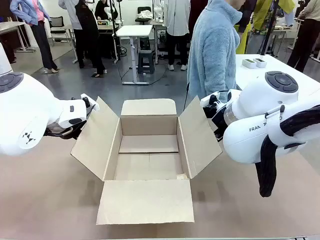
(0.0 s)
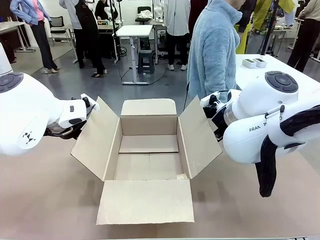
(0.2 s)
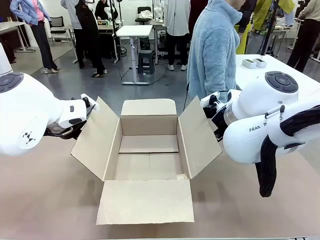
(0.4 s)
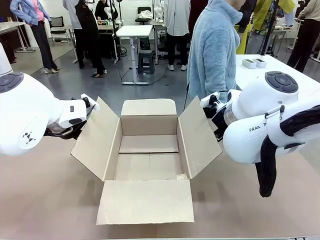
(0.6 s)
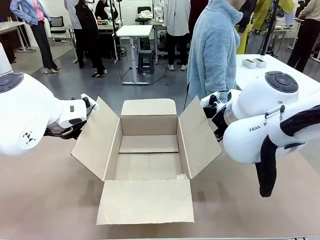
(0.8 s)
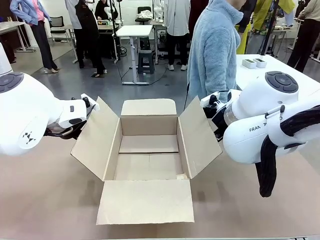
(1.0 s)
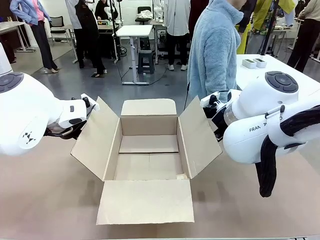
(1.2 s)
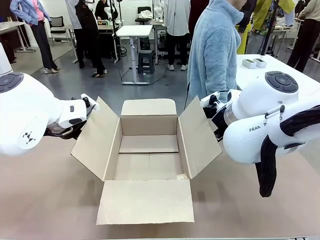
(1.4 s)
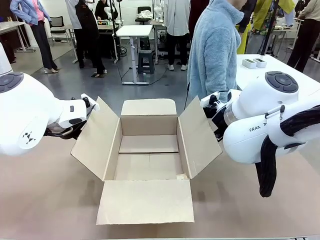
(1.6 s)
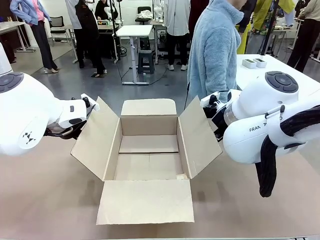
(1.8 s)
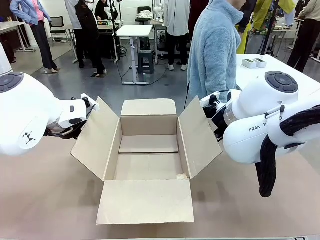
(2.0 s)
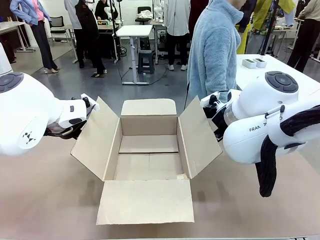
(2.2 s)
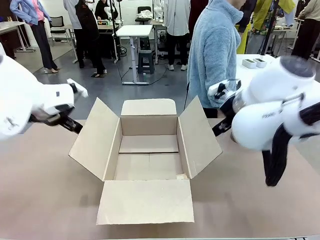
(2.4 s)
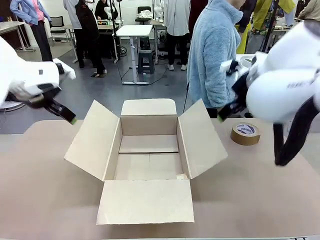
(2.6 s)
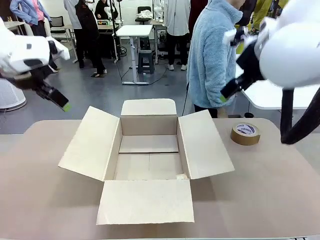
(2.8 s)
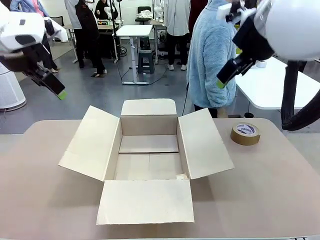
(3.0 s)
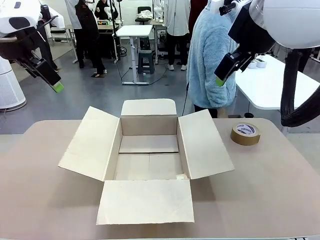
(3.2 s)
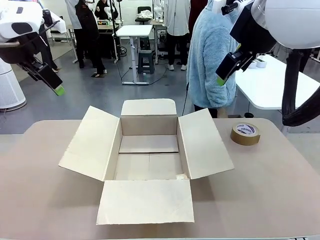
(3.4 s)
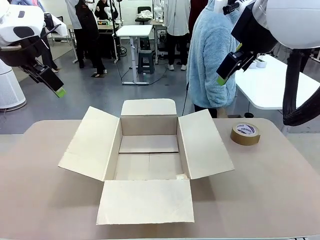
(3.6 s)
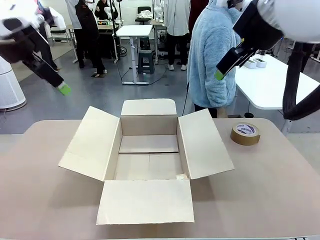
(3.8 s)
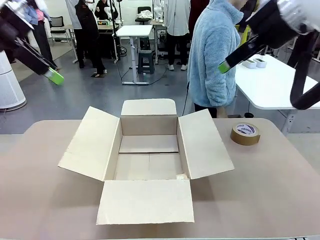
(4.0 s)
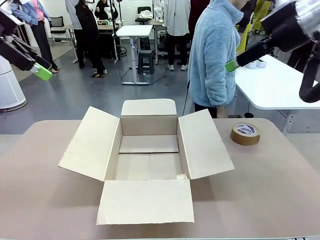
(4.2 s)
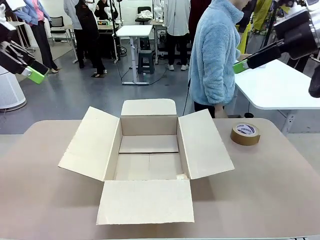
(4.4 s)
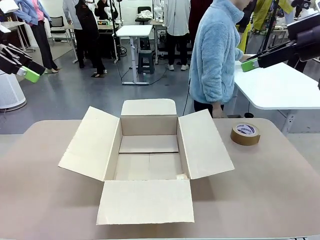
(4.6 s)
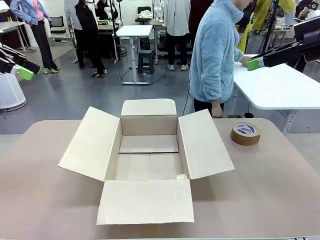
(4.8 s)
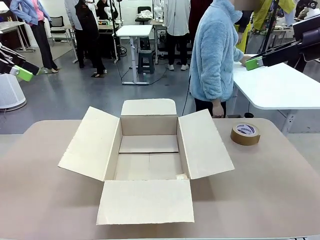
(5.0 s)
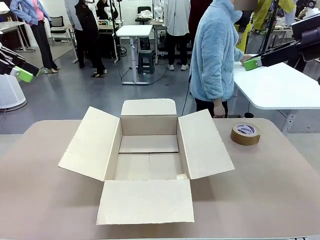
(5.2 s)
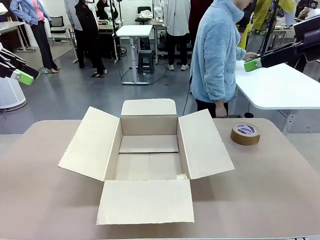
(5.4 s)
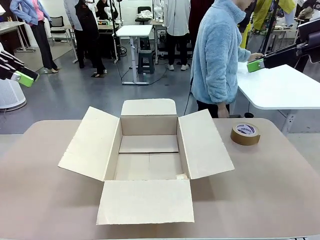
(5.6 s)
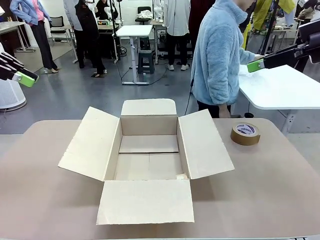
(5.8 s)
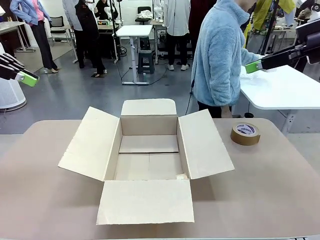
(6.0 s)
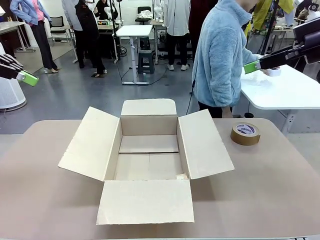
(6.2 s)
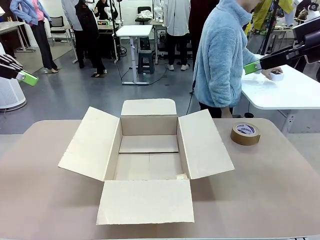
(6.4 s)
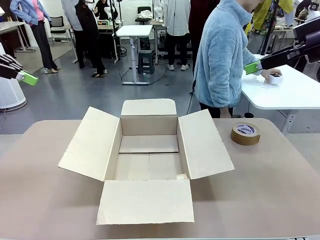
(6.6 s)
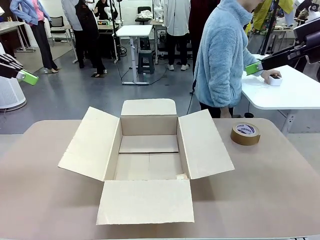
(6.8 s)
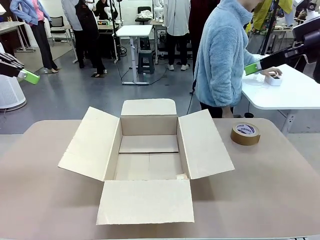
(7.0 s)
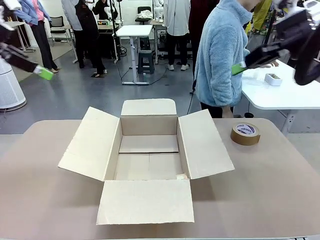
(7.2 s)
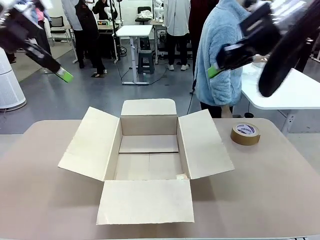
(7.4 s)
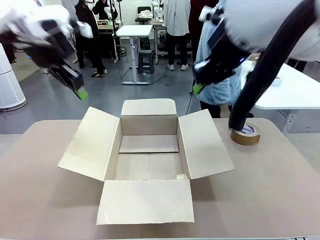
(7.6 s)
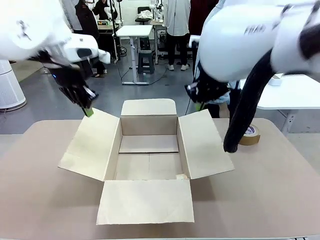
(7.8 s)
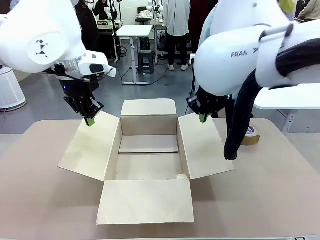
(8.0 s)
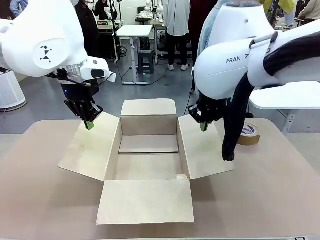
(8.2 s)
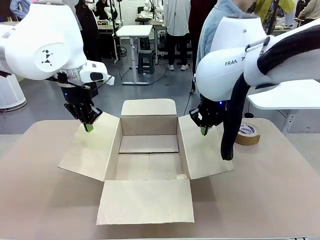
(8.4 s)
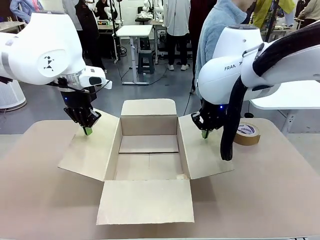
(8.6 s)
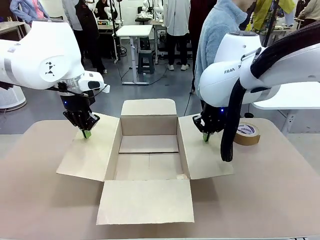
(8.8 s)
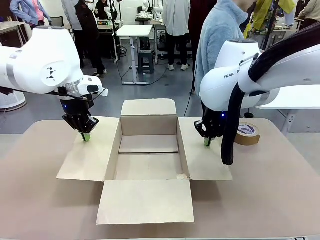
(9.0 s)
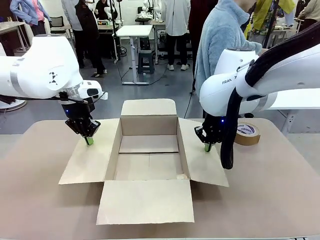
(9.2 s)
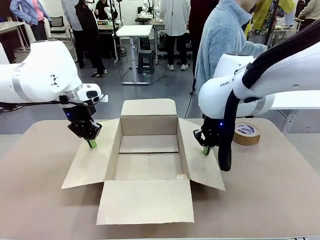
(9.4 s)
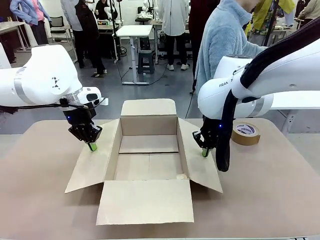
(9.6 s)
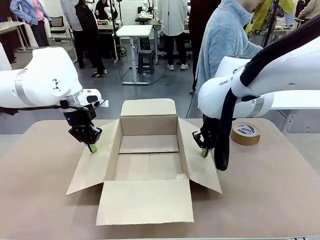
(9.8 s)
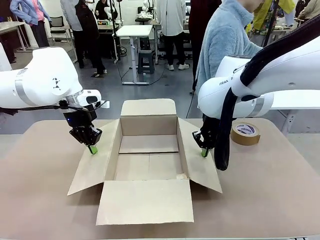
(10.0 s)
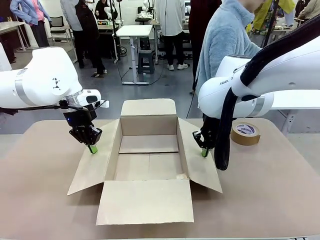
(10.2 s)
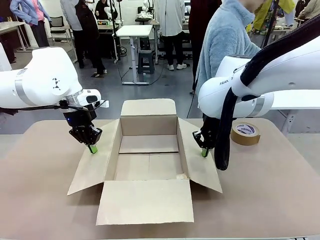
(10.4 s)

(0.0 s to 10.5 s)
Task: Wrap the clocks to prevent damage.
Robot: Open the side flaps of the Package Box.

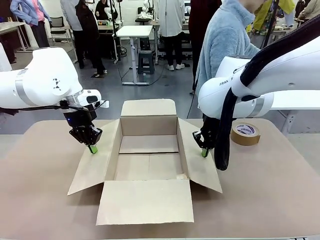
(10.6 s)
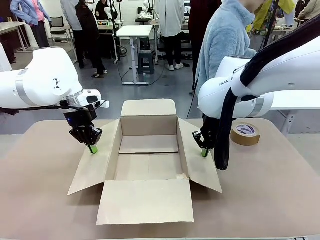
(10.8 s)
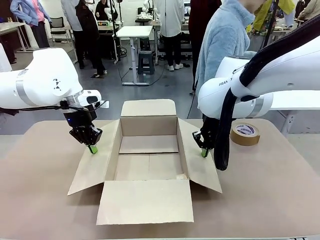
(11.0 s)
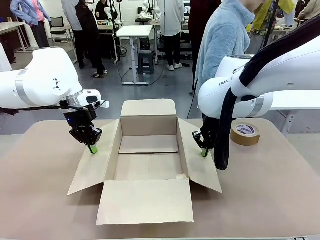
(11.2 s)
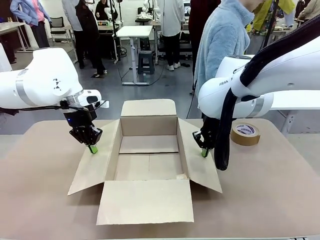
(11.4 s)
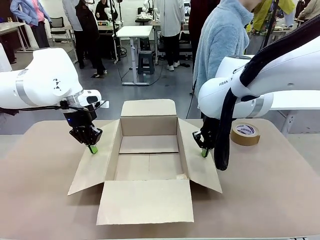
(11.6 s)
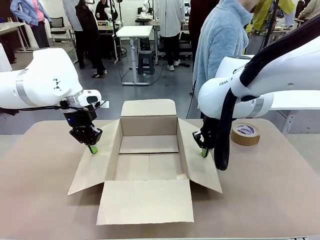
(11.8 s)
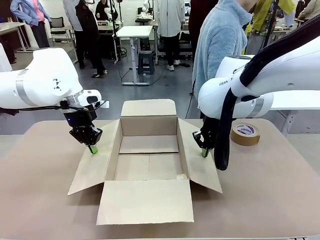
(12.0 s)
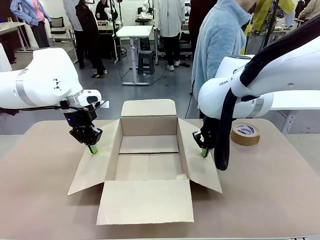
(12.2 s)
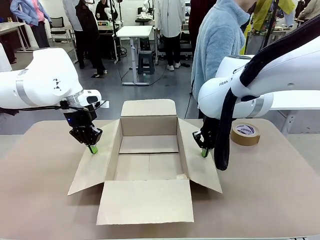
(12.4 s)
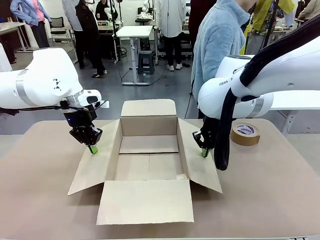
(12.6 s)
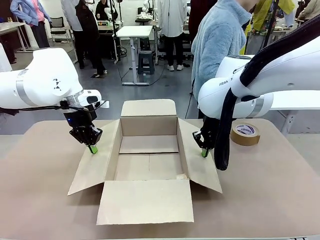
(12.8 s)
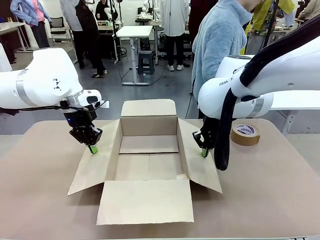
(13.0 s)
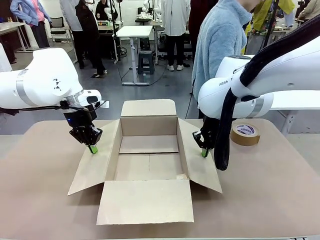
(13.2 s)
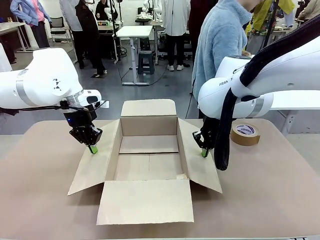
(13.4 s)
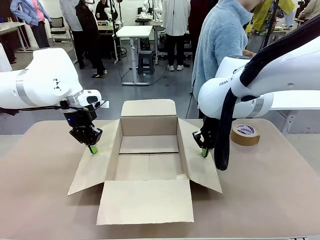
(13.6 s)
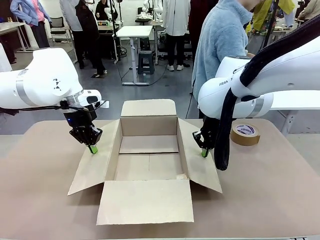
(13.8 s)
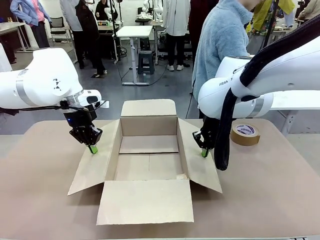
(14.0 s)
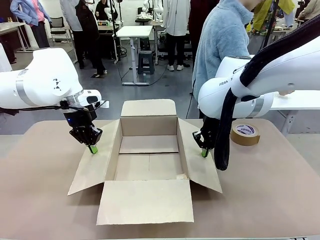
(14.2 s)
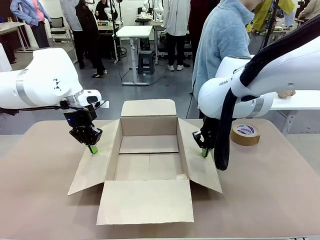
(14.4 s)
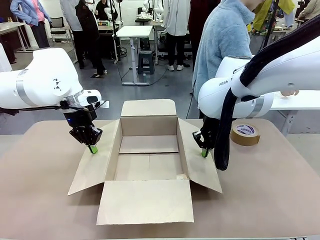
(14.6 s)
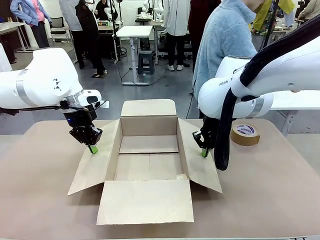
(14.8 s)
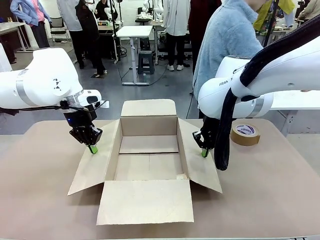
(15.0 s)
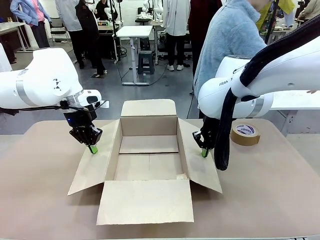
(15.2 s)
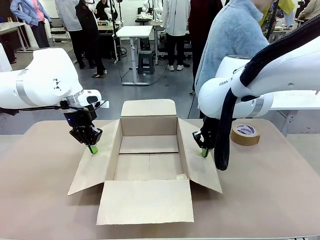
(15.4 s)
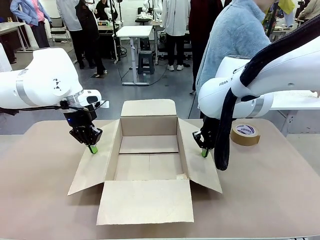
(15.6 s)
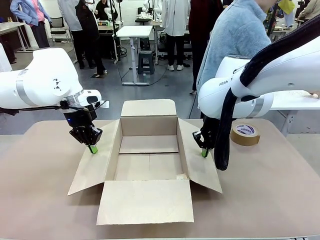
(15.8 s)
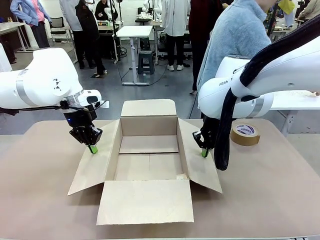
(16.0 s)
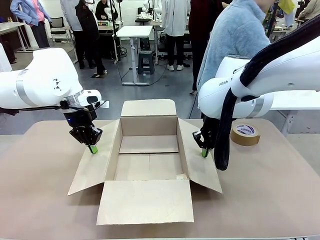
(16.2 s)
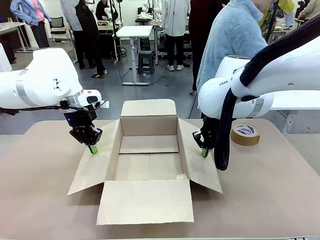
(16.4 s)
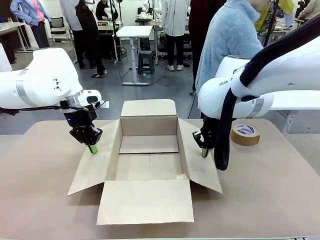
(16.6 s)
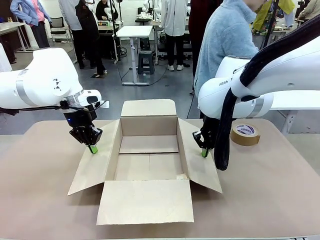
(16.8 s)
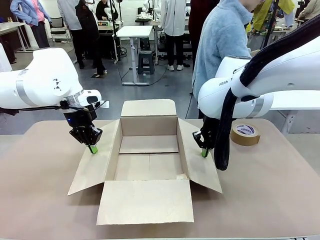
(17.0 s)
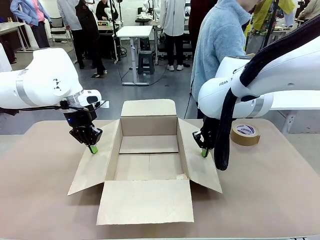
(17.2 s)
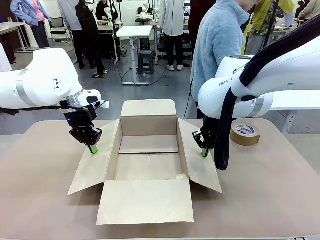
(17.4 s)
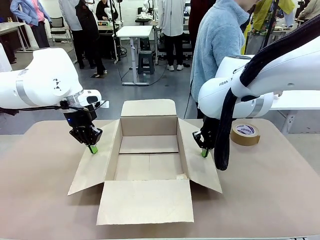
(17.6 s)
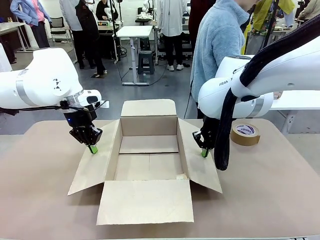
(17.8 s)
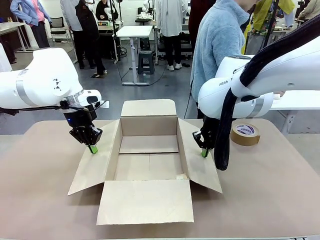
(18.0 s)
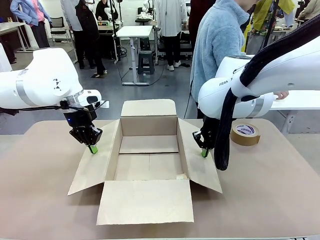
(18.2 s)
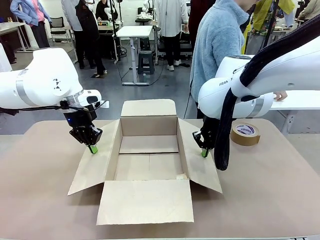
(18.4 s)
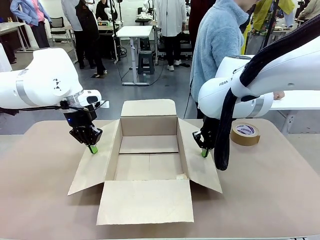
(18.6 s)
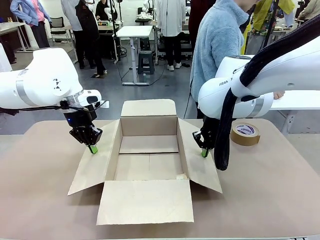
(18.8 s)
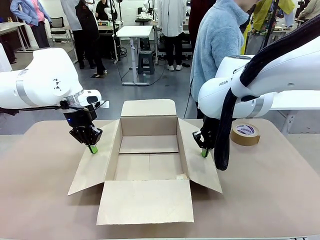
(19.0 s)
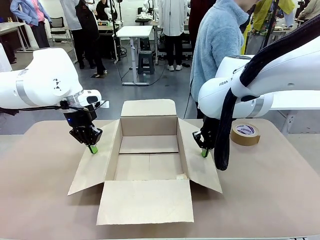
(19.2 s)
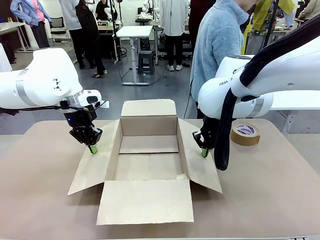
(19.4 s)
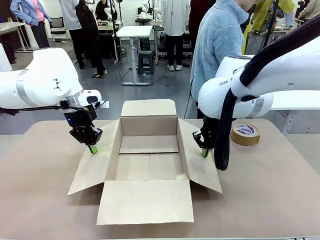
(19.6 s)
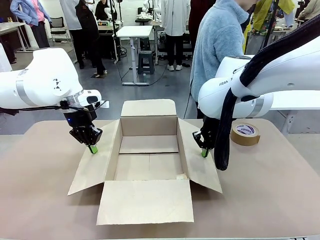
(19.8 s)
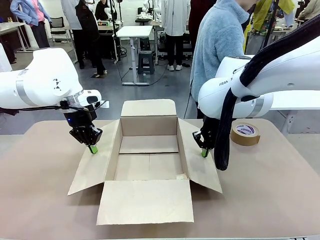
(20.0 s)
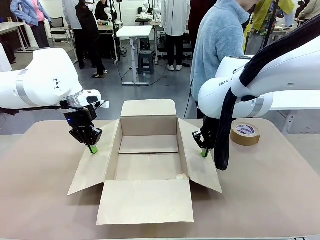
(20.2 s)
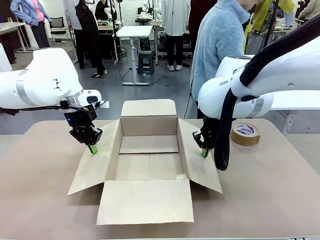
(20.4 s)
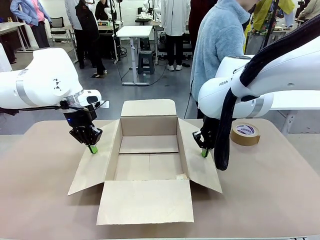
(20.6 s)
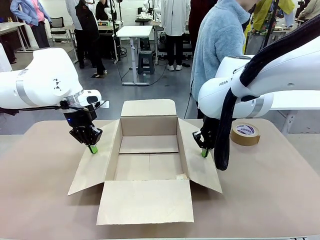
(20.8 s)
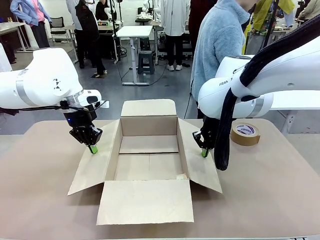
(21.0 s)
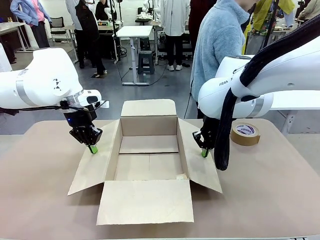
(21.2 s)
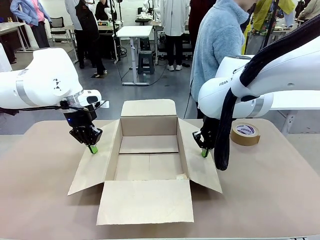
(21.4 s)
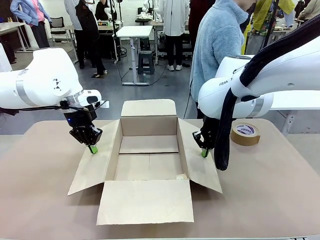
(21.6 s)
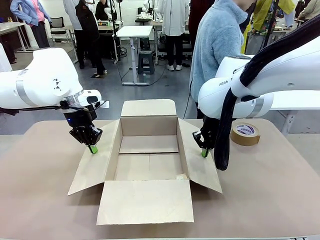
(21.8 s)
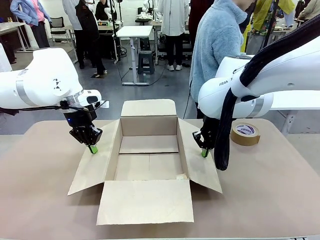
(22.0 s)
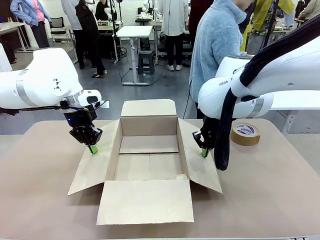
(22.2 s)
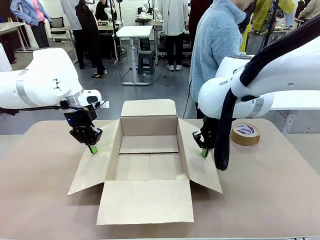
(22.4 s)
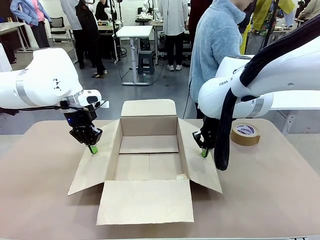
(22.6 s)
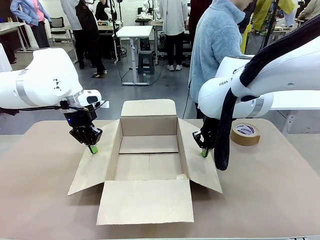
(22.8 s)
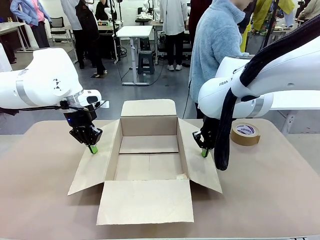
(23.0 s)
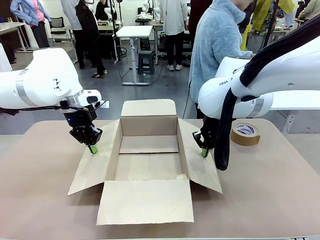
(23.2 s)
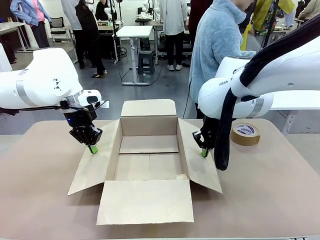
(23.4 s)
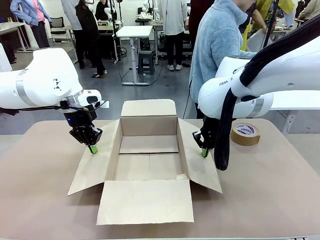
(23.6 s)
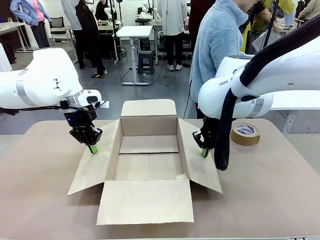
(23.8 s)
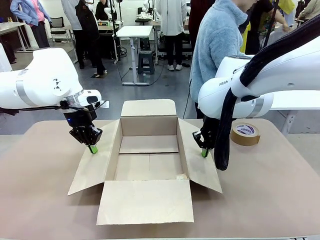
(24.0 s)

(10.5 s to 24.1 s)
Robot: Once the human has placed the objects inside and stepped back, release both hands from the side flaps of the Package Box.
Person: Wrap the two Digital clocks with Bubble Wrap.
